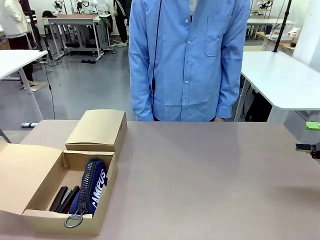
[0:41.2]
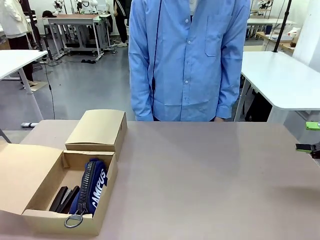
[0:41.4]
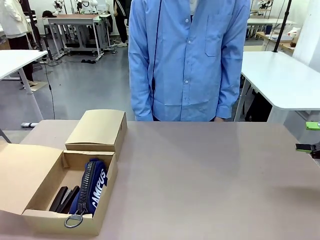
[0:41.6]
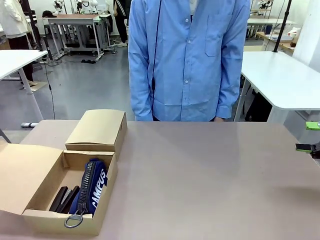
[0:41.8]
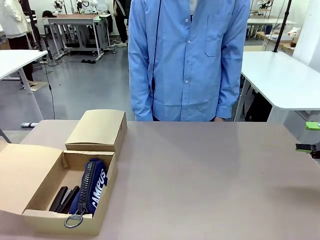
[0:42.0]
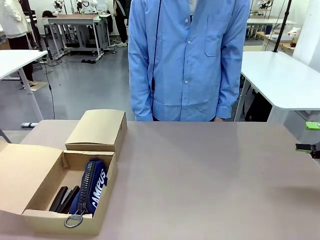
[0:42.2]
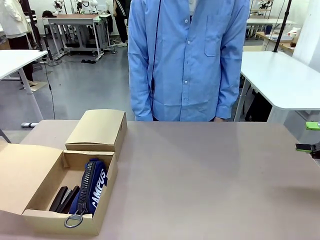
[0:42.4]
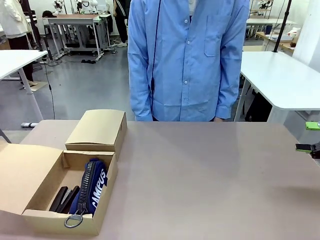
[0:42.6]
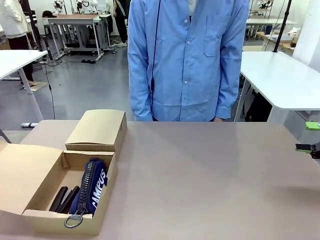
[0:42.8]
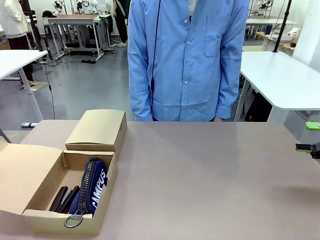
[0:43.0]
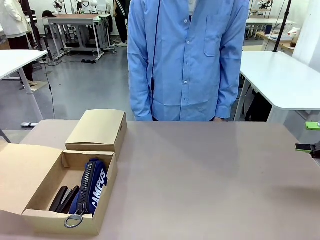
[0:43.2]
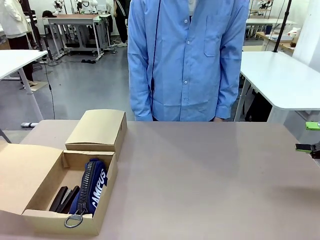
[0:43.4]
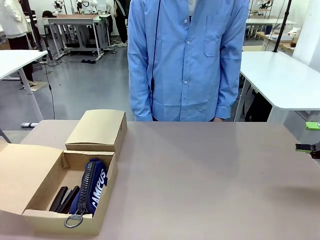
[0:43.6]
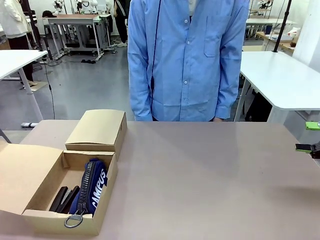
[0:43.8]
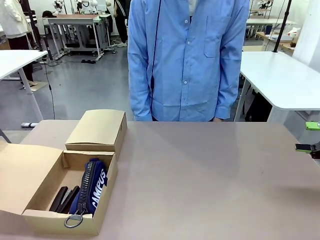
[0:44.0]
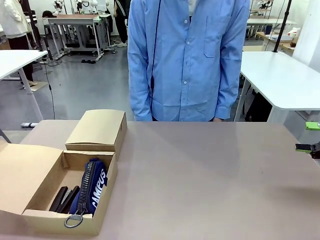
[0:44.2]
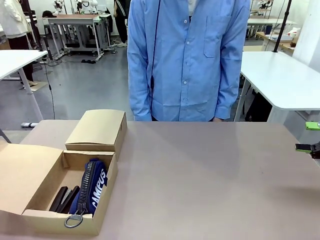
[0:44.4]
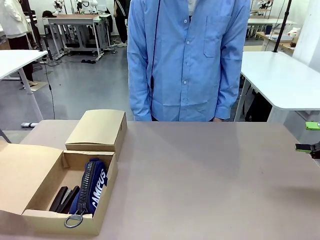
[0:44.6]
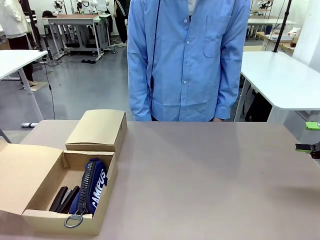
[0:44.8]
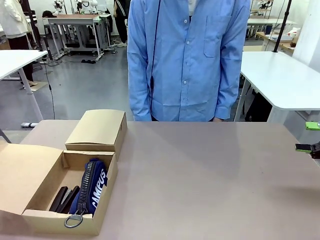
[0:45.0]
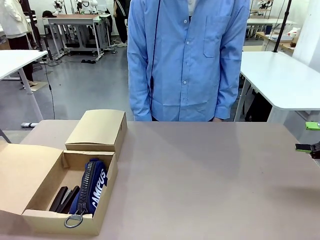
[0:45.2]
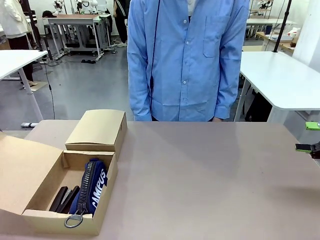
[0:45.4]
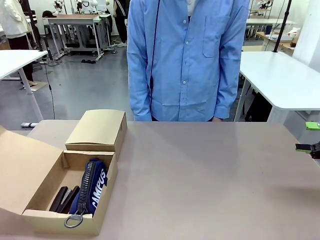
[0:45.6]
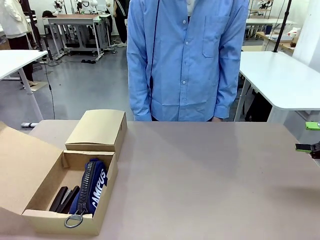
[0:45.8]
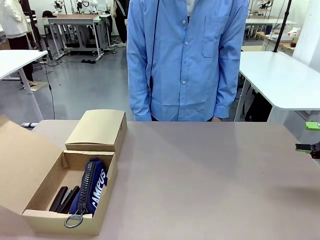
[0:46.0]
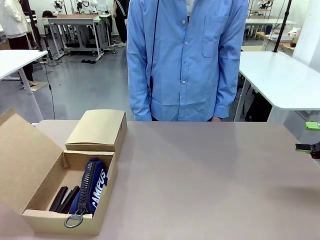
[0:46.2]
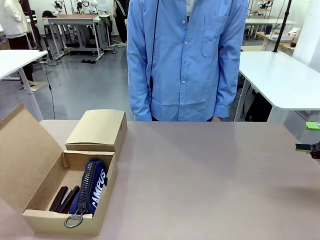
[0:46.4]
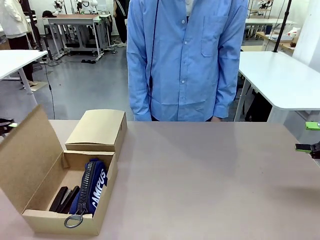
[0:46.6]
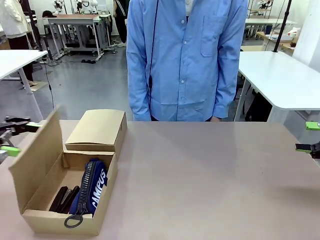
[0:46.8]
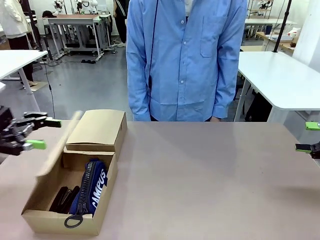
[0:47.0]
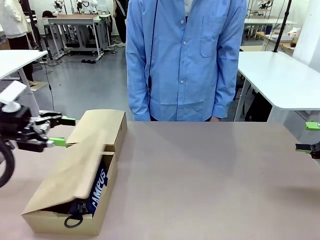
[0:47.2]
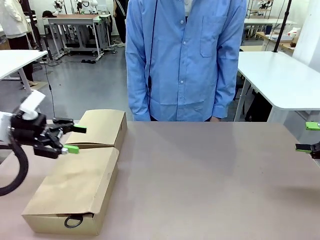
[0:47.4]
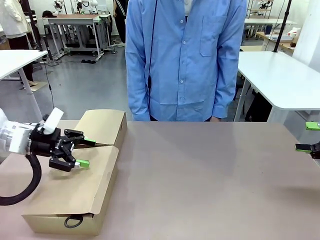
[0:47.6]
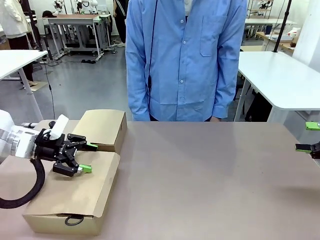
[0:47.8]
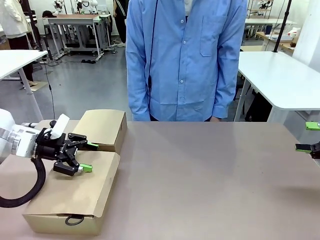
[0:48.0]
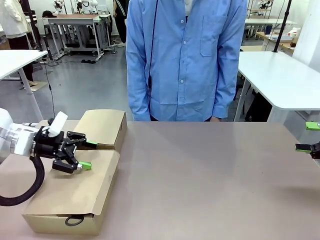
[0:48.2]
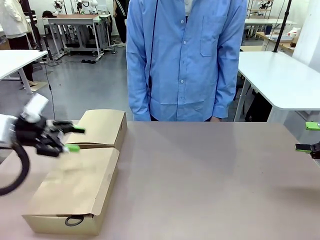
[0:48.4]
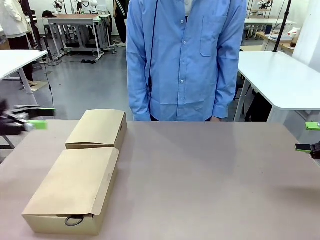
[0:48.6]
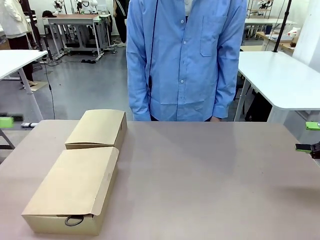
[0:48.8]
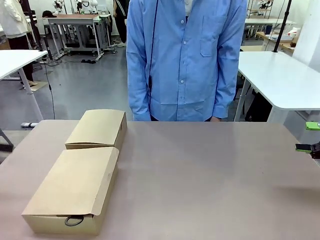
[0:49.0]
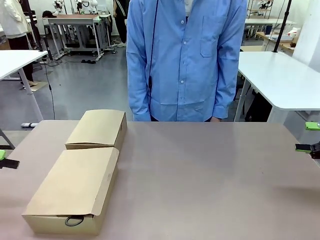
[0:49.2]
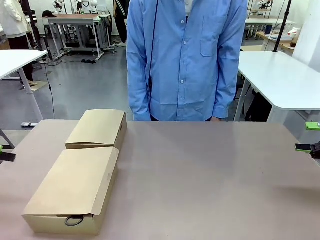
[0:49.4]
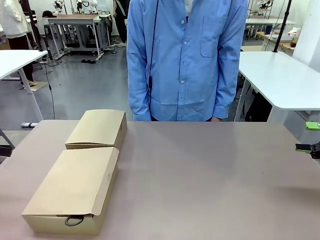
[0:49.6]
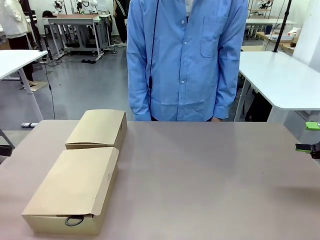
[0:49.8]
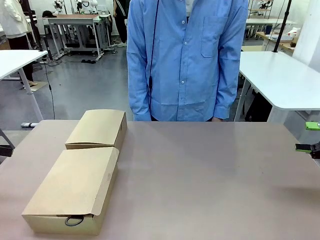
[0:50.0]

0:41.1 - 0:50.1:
Task: Place items inside the box.
Robot: Close the lid of the Mailer Box closest to the robot.

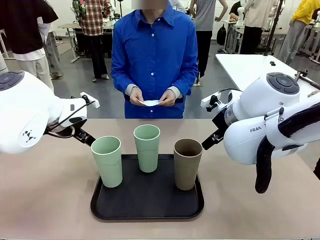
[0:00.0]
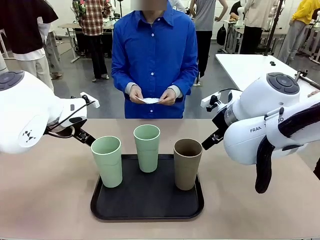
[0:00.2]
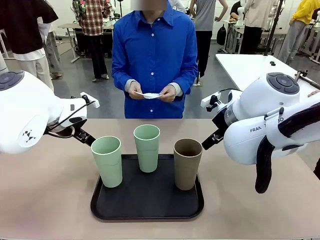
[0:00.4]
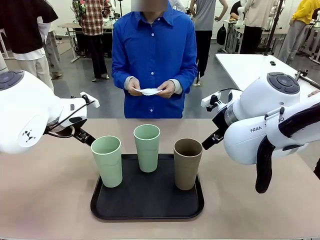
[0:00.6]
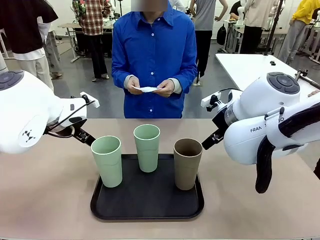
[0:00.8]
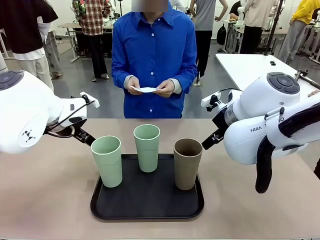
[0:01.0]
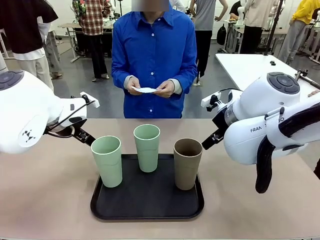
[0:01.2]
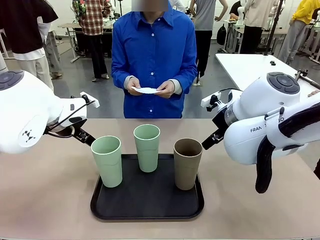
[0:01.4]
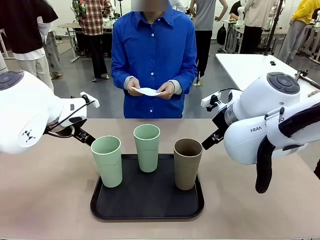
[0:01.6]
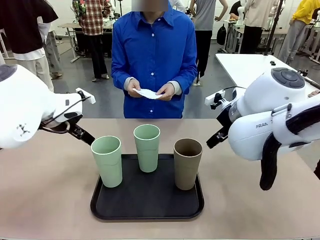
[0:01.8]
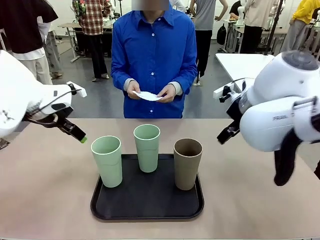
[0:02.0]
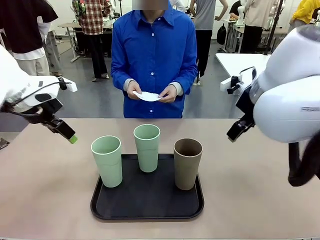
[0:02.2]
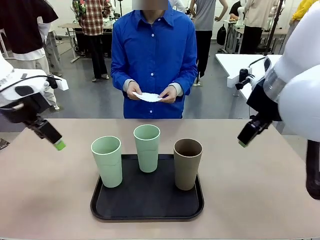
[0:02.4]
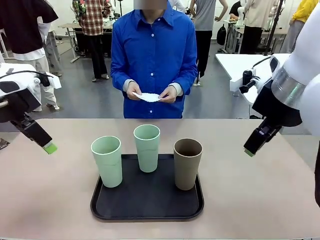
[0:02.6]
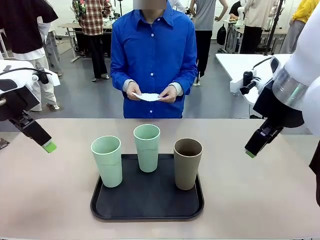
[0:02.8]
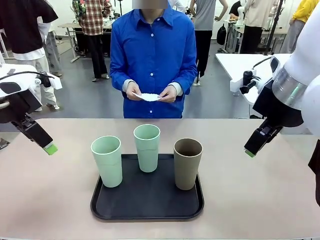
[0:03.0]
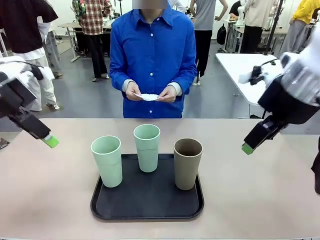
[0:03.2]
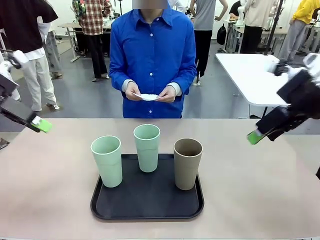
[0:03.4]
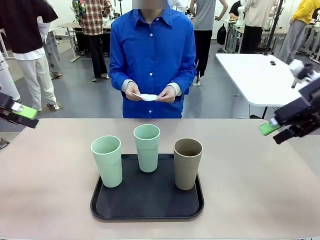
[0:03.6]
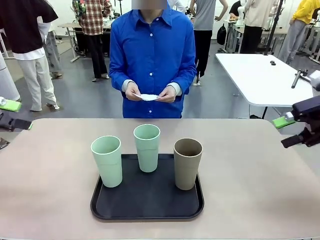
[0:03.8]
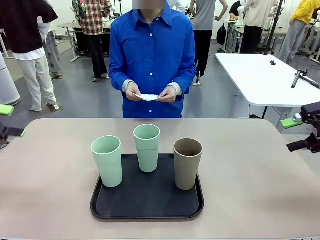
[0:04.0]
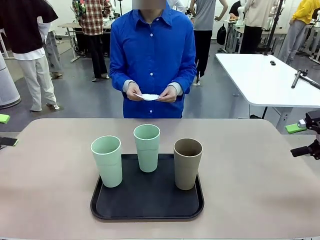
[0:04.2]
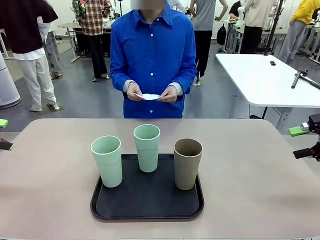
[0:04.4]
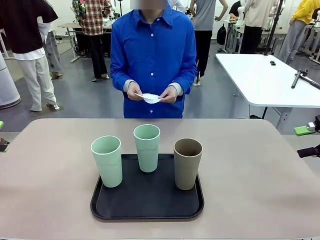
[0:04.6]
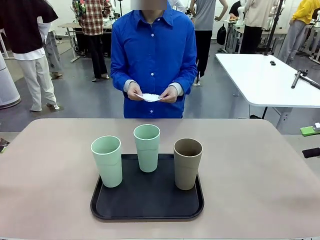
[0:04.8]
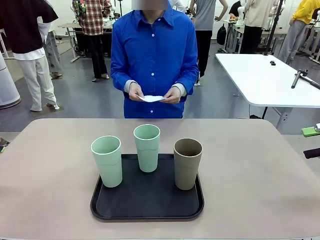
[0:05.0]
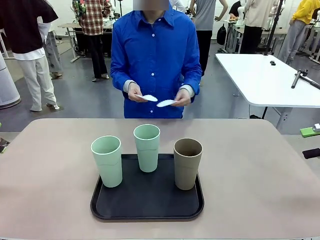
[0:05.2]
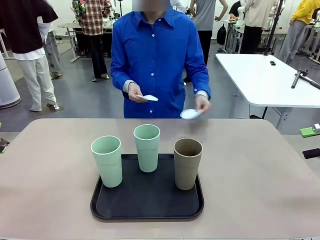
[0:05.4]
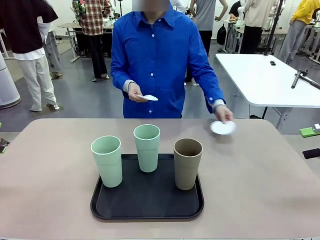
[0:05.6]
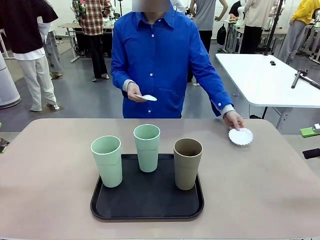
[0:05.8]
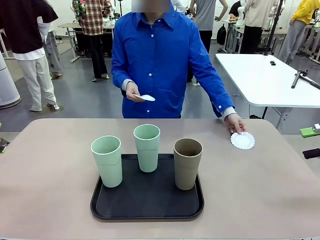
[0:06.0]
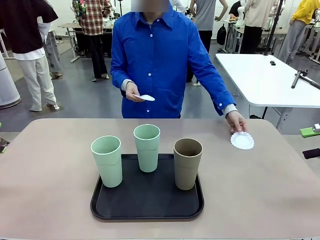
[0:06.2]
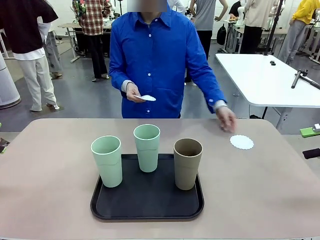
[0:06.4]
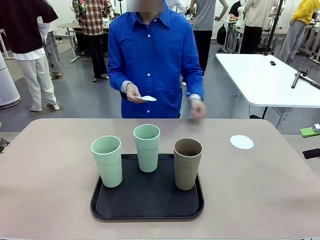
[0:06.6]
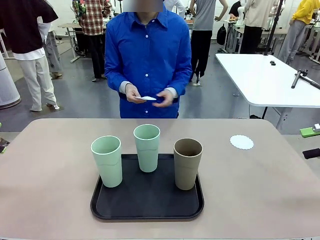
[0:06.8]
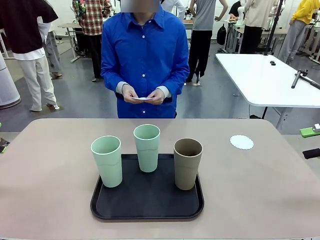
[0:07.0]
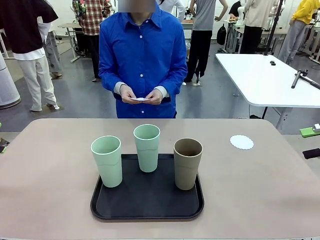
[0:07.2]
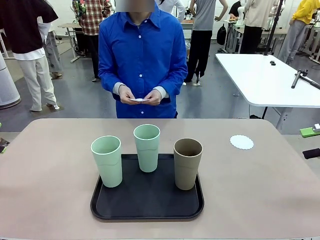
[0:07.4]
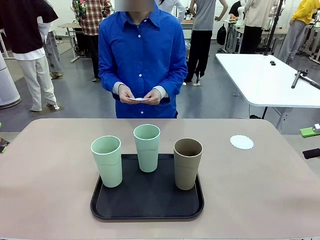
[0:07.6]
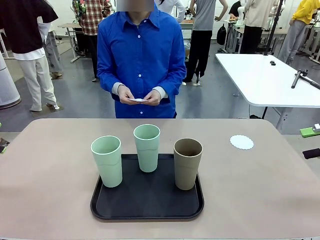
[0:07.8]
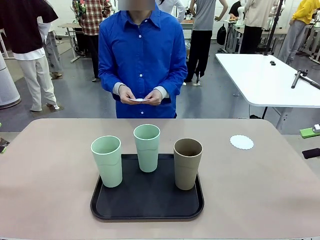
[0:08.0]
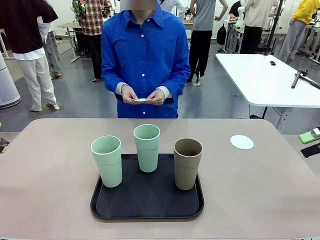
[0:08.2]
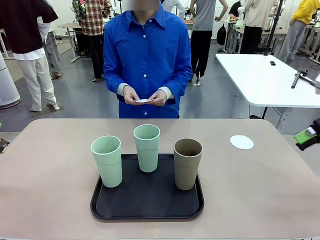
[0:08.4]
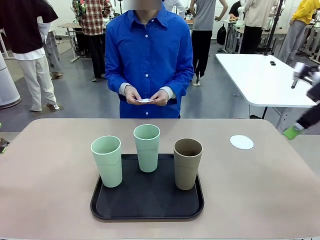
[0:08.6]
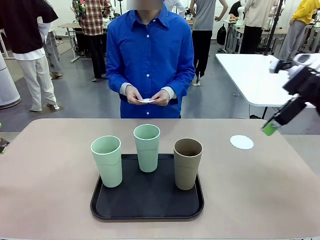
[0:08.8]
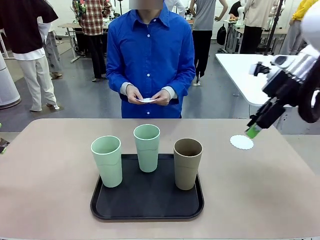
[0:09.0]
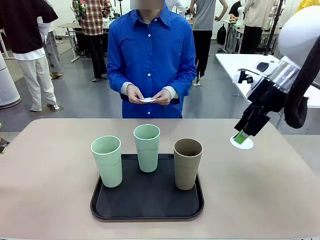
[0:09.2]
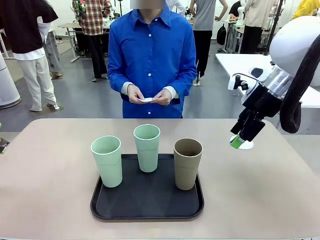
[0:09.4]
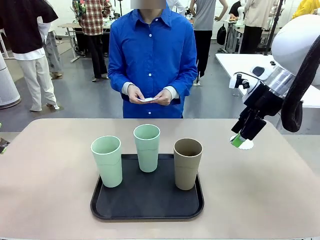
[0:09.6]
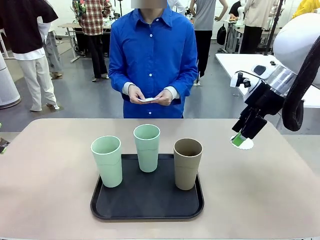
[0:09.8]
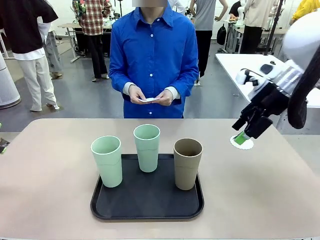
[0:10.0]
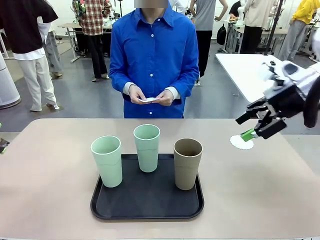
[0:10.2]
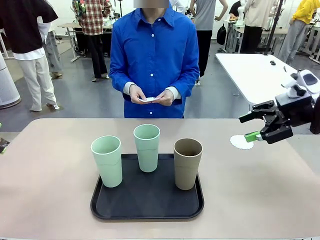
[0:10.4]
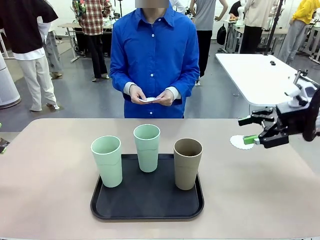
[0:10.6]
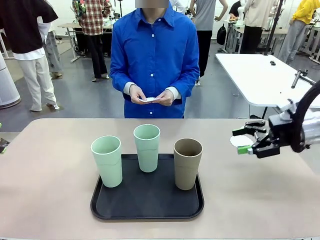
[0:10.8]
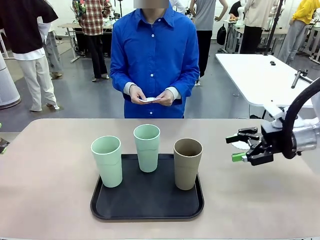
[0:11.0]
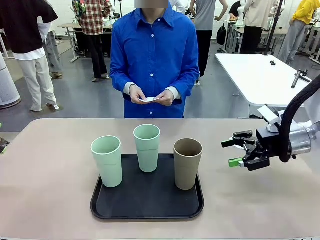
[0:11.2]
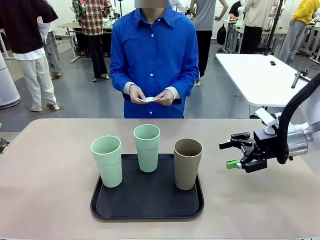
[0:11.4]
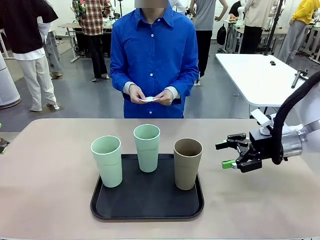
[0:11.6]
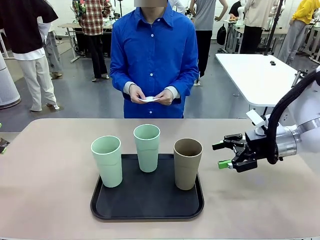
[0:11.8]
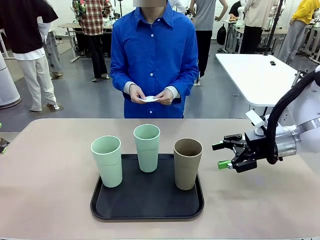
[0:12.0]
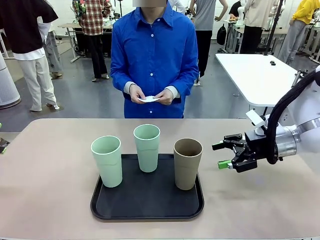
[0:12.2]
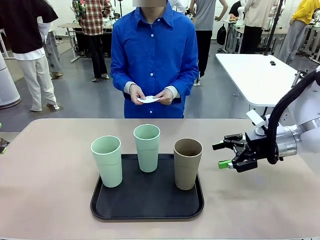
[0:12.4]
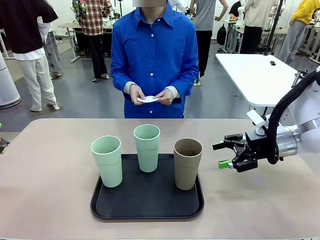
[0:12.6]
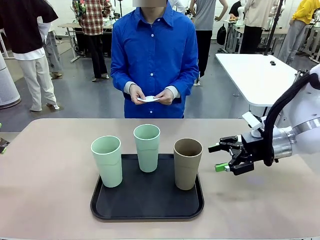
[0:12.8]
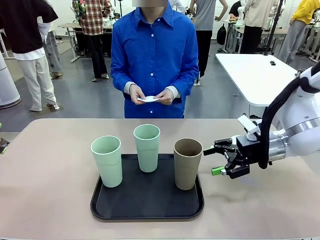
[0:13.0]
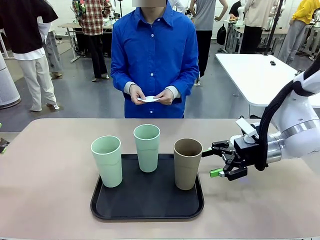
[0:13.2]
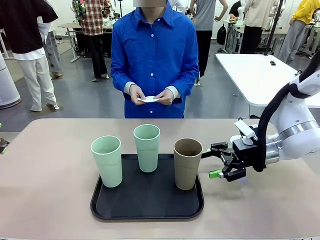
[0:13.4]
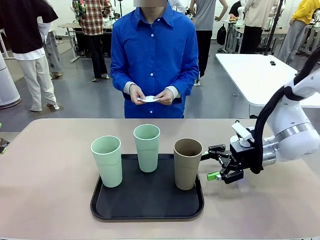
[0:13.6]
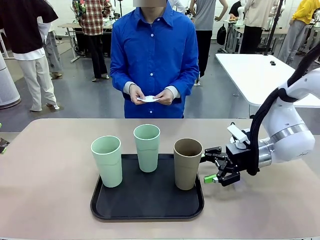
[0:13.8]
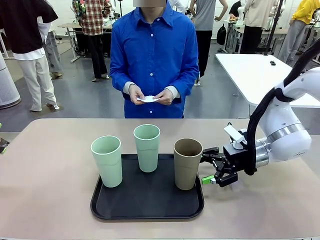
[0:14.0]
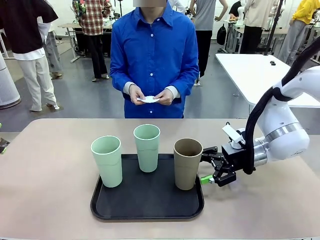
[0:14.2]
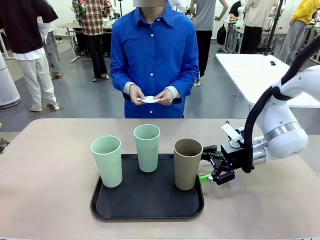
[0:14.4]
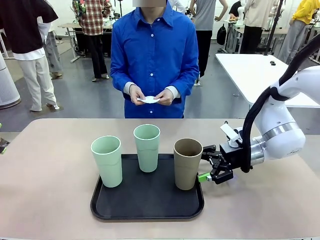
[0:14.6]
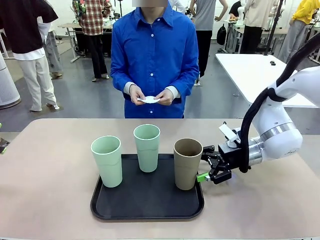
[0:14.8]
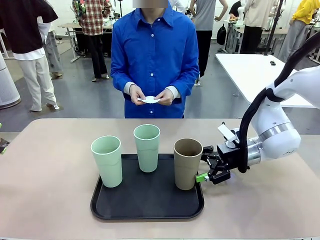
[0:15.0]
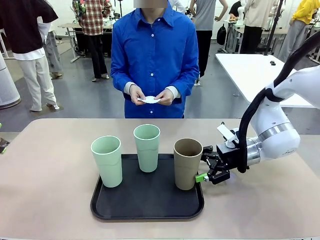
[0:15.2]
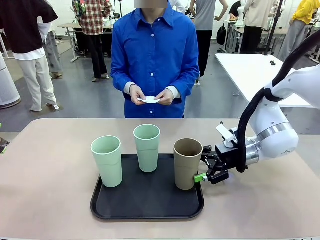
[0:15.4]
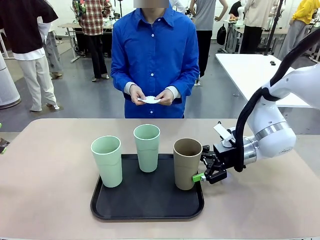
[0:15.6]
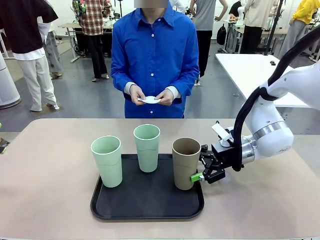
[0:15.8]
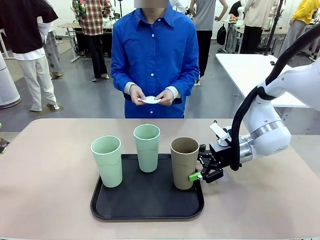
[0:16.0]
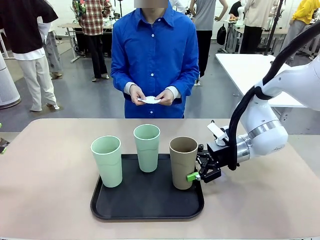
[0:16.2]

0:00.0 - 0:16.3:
Task: Place coasters on the table and set cups on them.
Robot: Pick up one Reusable plastic cup and place it on a coaster set by the human.
Person: Place one coaster in any one of the three lower areas of the robot table (left, center, or right).
